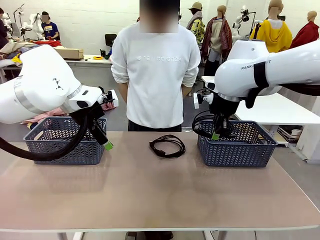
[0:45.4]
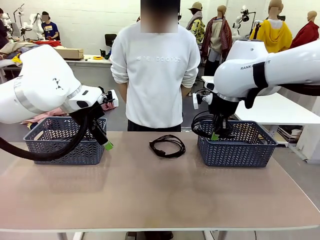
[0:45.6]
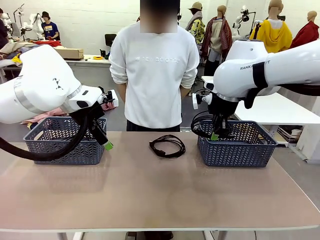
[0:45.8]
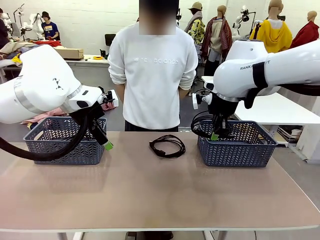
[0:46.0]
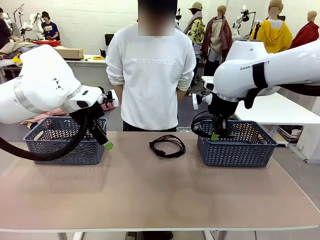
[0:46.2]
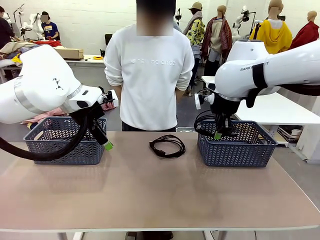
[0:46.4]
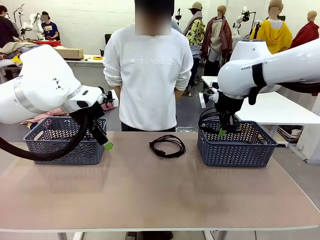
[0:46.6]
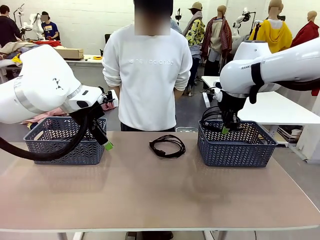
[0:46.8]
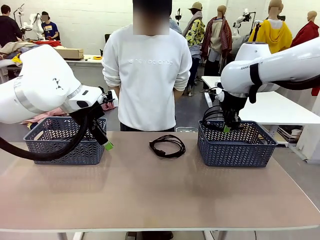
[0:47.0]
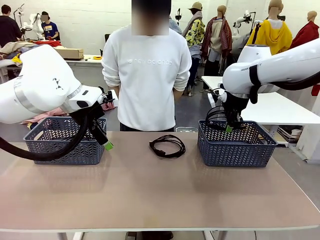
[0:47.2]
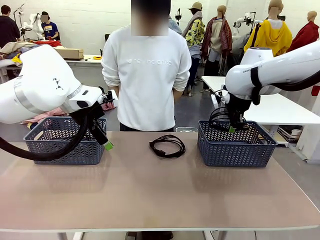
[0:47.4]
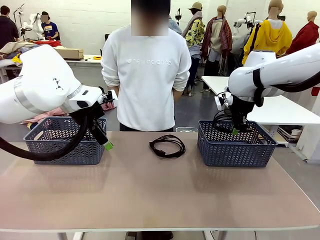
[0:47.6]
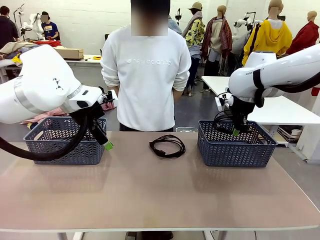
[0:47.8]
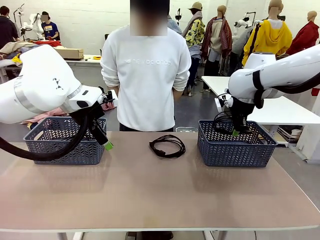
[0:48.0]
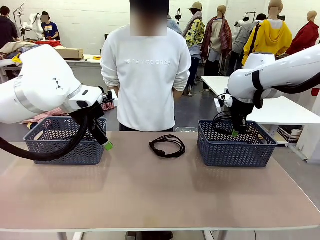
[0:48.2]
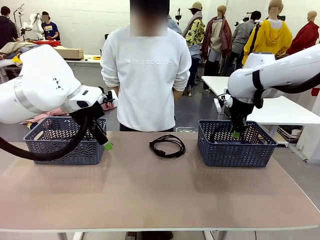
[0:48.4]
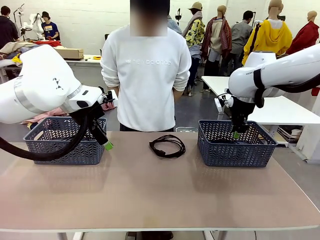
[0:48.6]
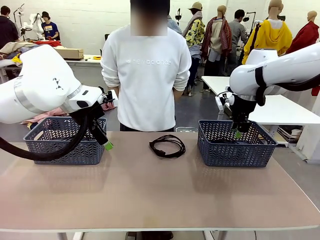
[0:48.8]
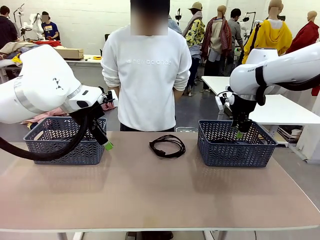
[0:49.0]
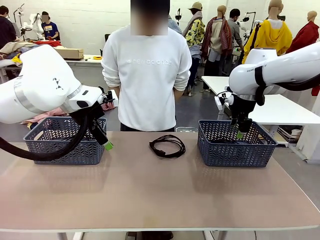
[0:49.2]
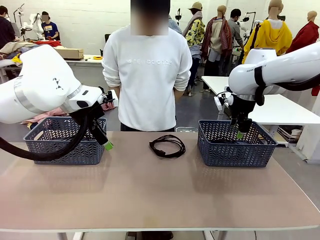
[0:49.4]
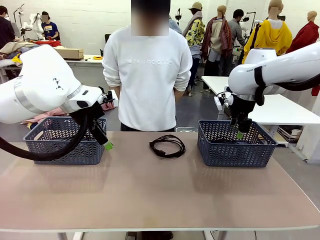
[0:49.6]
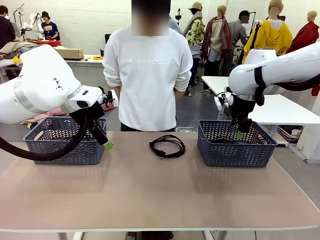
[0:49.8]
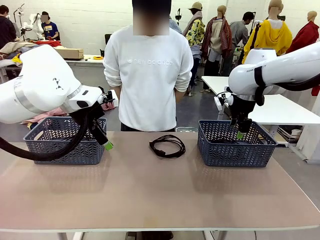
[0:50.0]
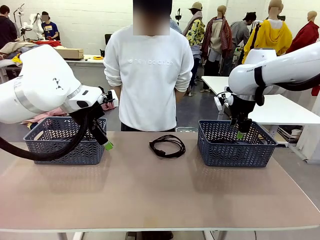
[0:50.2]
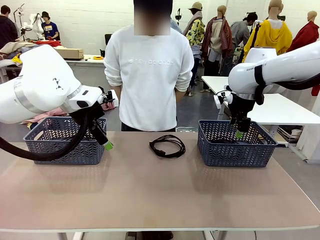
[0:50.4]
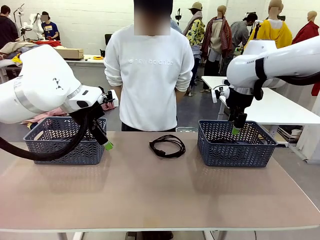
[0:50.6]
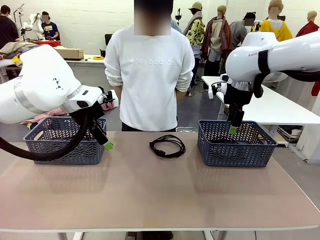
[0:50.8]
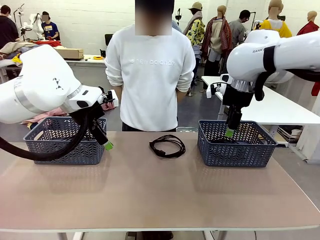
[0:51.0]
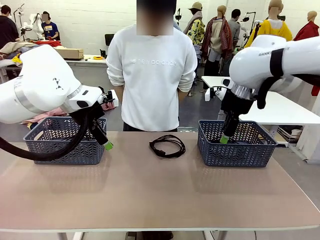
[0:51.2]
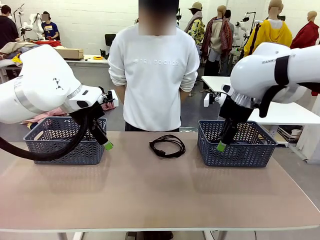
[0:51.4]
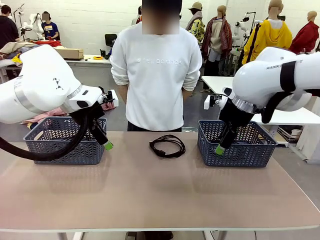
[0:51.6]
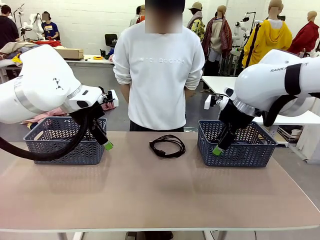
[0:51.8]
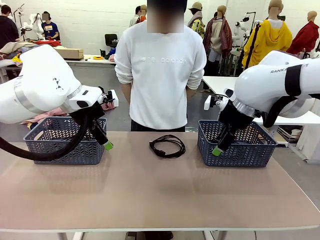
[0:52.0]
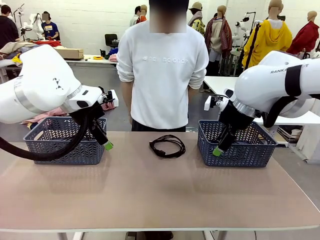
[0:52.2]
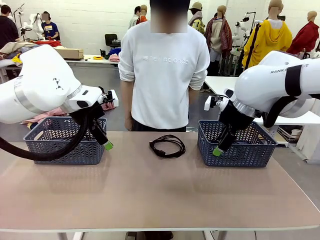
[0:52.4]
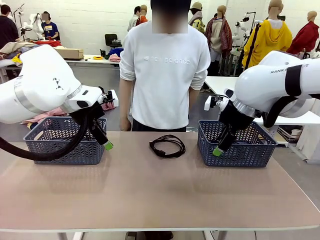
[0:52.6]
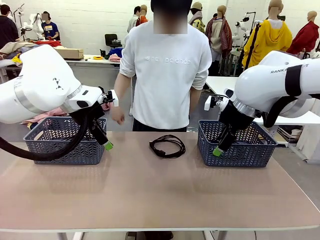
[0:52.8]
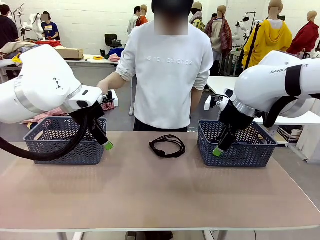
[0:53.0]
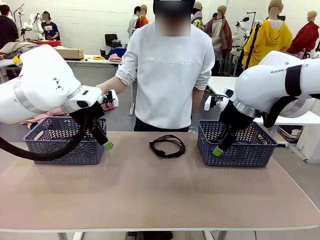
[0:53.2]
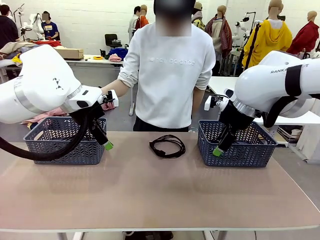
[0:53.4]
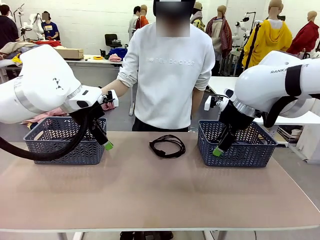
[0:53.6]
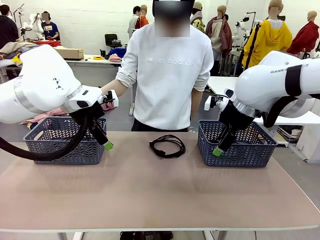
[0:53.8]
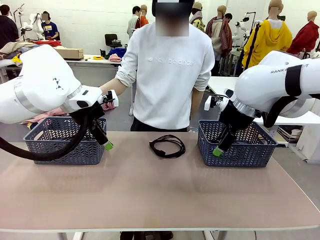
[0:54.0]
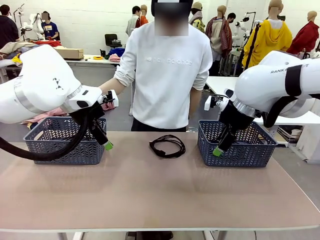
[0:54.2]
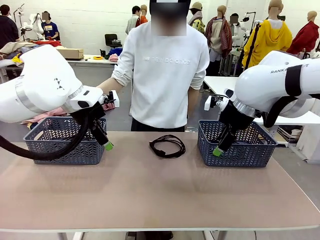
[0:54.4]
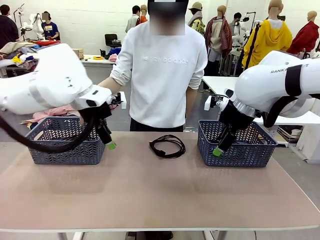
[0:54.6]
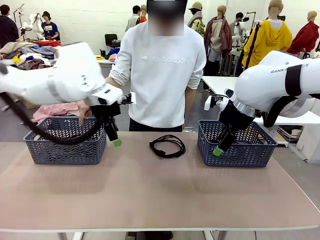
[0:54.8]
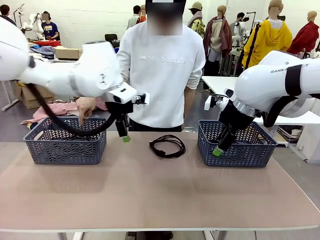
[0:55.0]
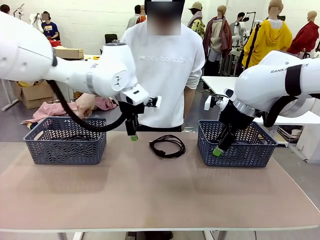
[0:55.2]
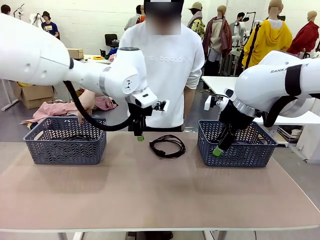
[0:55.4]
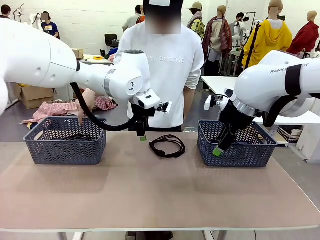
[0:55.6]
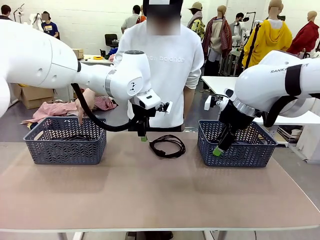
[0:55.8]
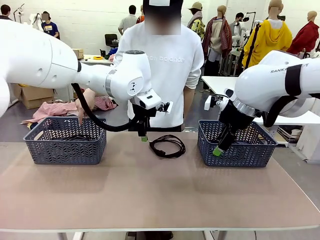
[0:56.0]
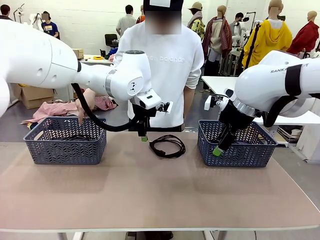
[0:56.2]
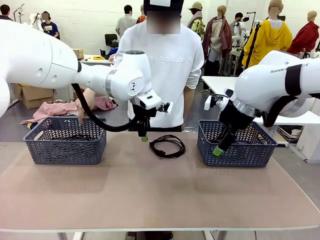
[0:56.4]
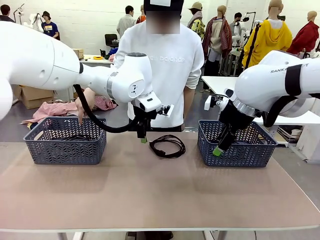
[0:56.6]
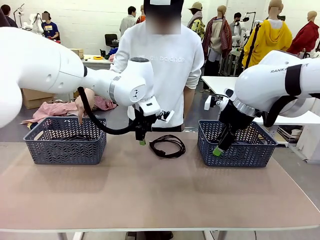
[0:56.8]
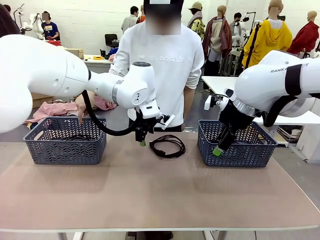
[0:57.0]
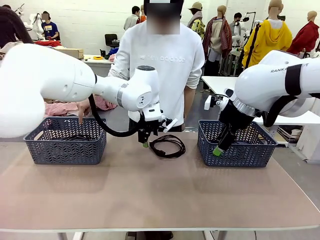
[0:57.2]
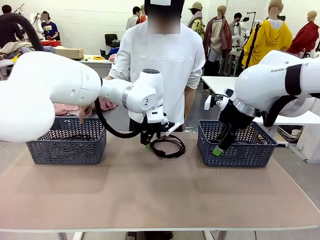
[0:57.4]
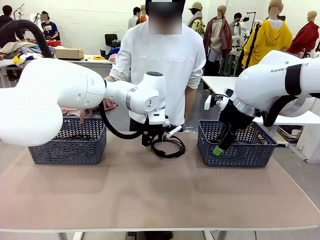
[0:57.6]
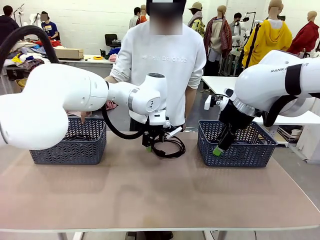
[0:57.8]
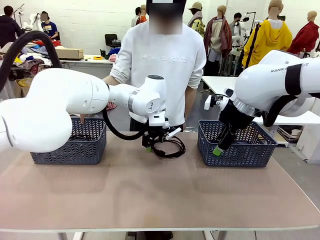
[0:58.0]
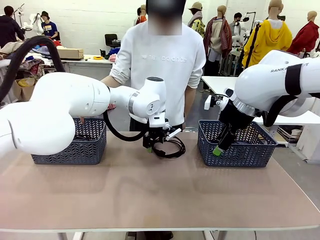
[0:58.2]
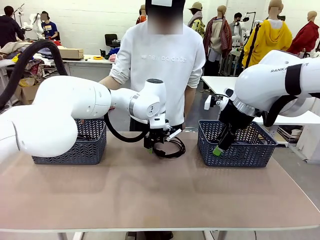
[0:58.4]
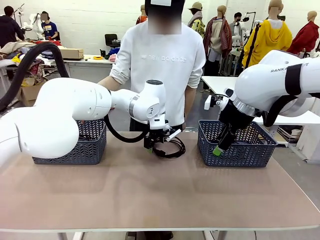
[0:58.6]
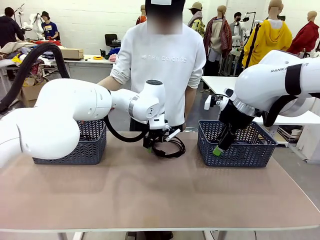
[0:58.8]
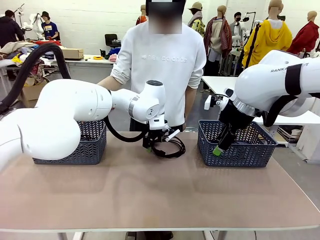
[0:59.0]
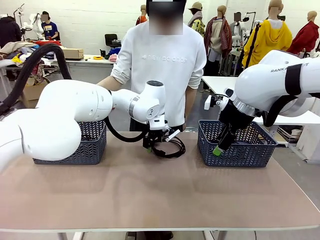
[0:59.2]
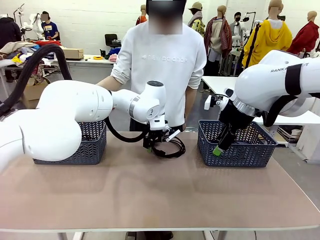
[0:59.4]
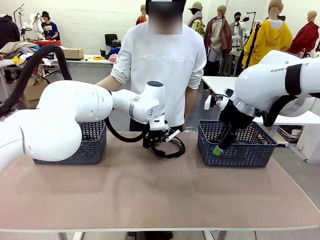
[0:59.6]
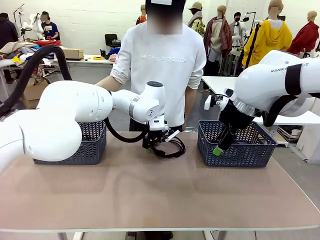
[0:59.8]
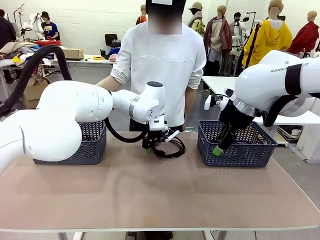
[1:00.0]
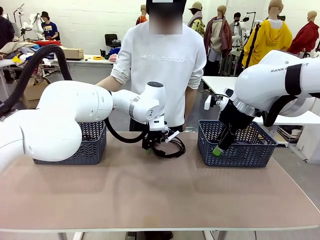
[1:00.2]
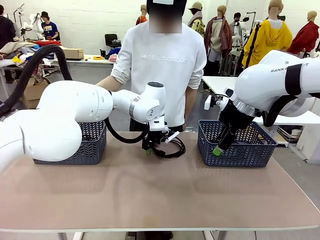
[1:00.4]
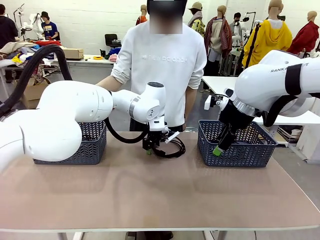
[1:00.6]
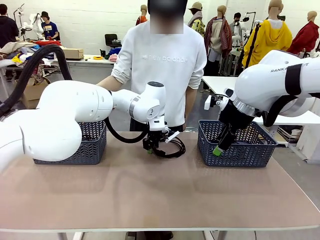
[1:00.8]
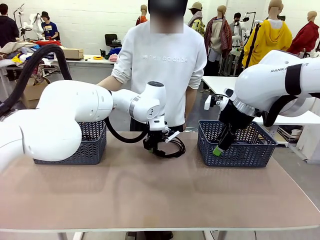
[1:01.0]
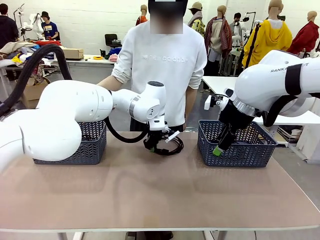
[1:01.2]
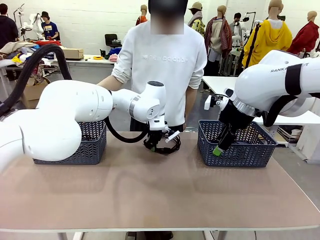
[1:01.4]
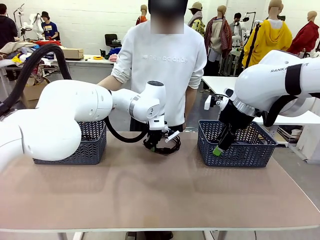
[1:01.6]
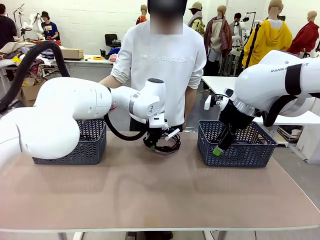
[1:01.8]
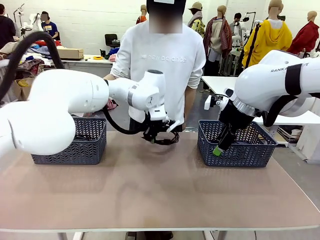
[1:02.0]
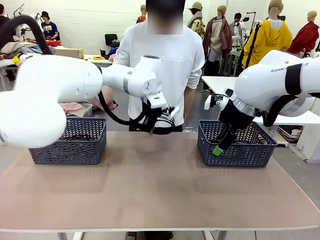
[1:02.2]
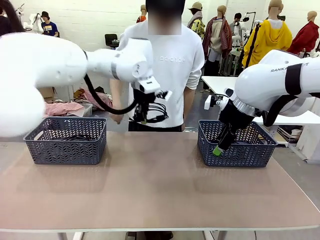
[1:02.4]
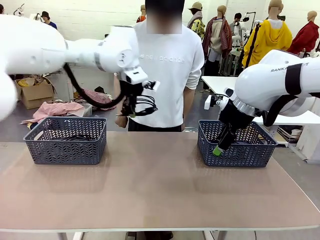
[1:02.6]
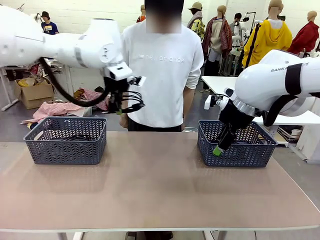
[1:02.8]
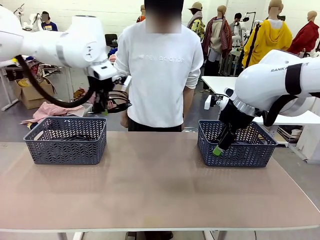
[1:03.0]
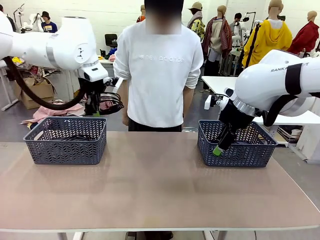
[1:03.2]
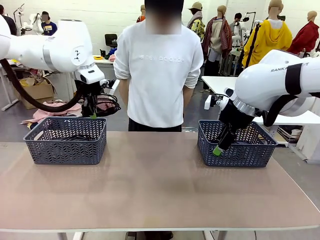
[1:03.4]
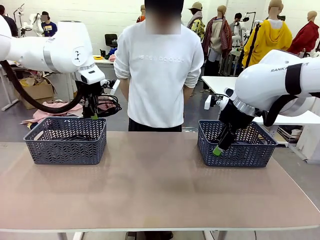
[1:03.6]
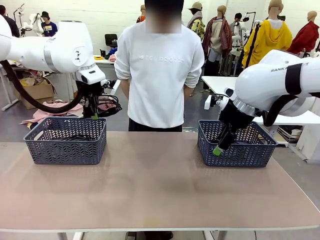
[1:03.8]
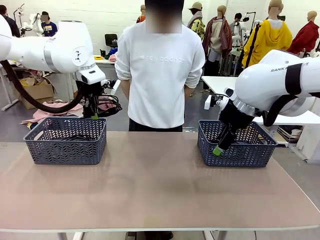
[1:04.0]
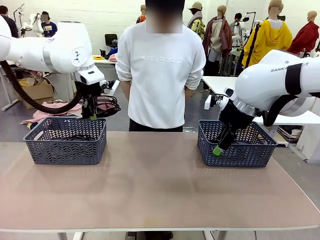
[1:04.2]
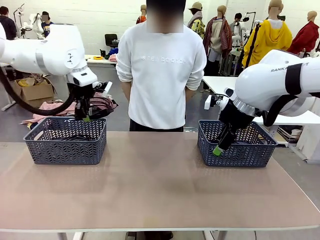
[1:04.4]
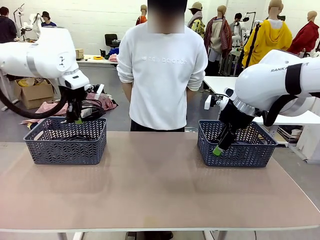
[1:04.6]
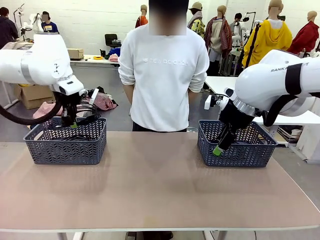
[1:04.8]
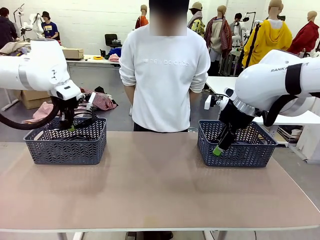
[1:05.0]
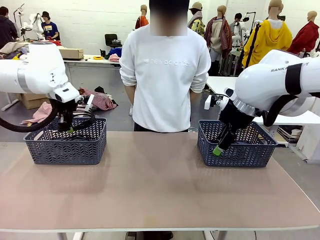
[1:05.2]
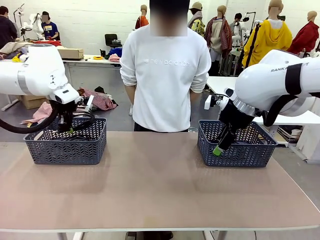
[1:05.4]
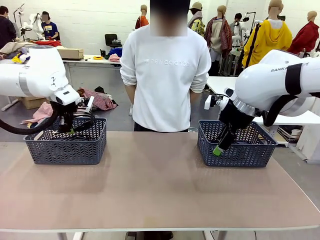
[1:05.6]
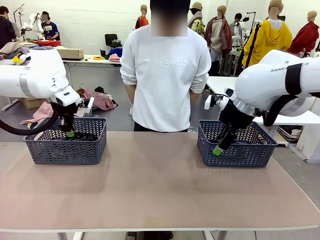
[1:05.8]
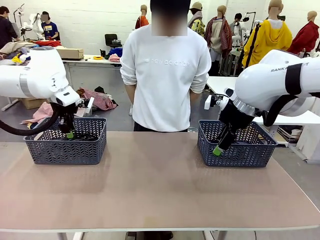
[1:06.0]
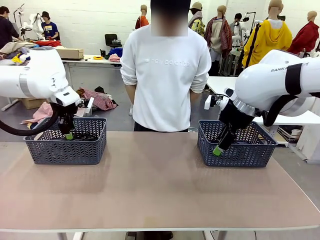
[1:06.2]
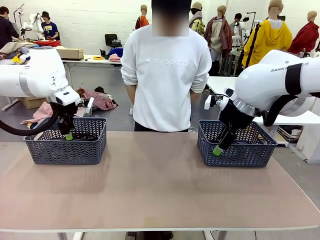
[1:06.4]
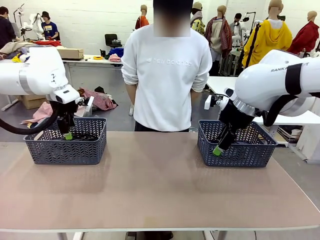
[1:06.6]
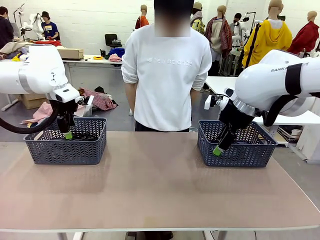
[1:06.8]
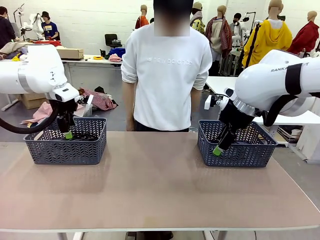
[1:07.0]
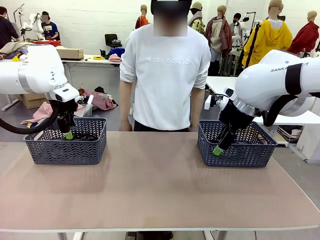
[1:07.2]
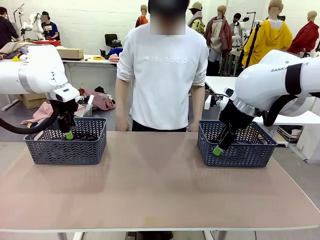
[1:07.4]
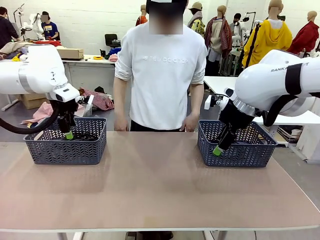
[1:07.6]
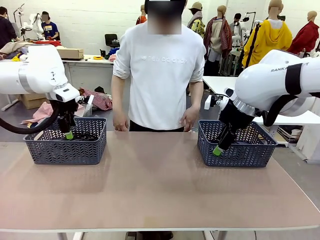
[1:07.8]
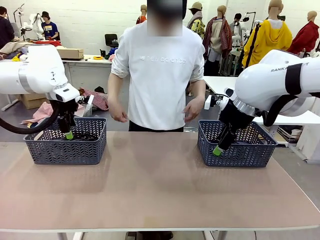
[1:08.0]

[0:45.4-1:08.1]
Task: Organize the cables according to human instructions.
Robot: Pick up a bundle of cables and place it in the basket indicated by the human.
